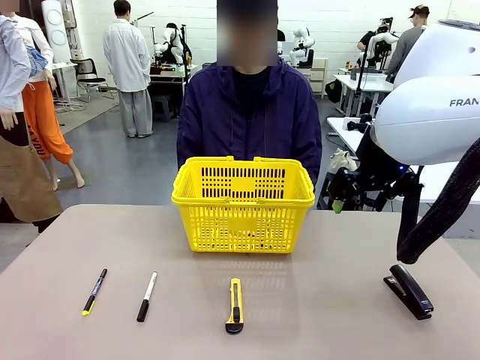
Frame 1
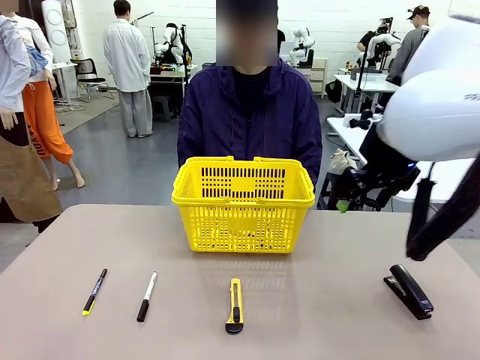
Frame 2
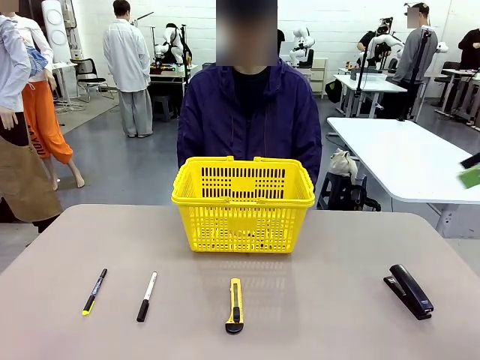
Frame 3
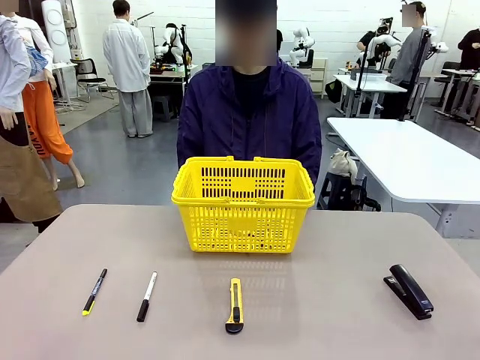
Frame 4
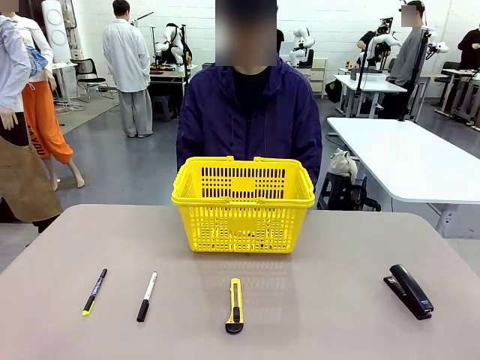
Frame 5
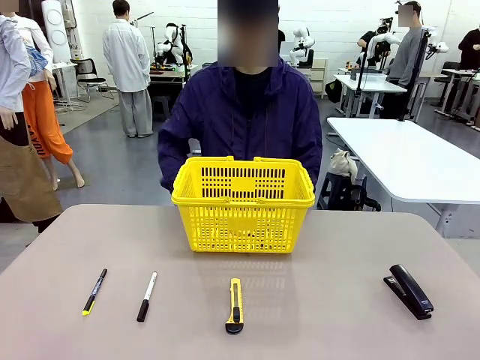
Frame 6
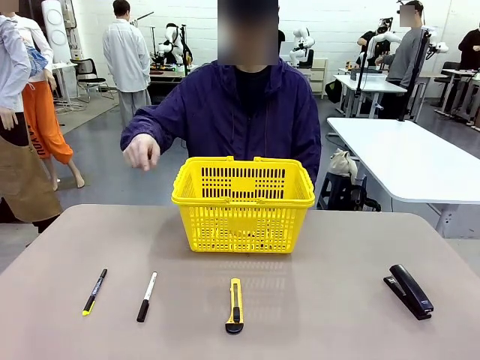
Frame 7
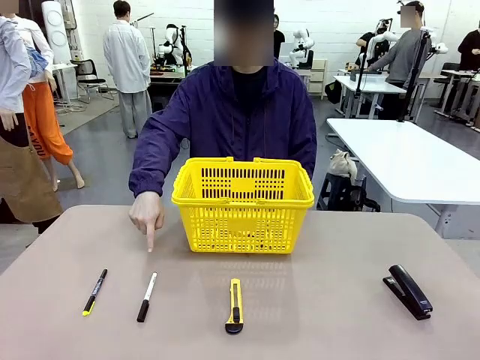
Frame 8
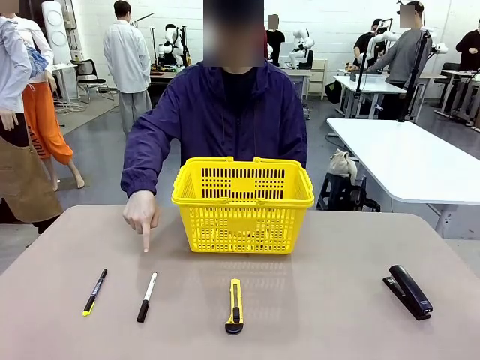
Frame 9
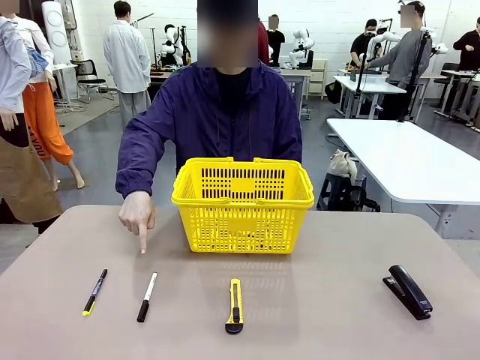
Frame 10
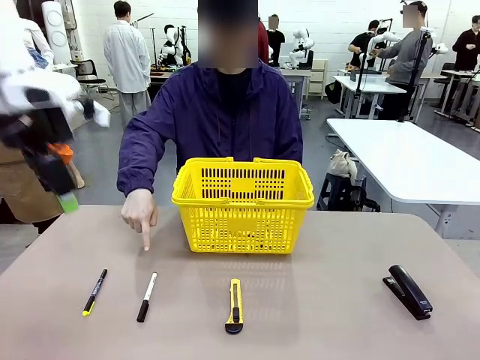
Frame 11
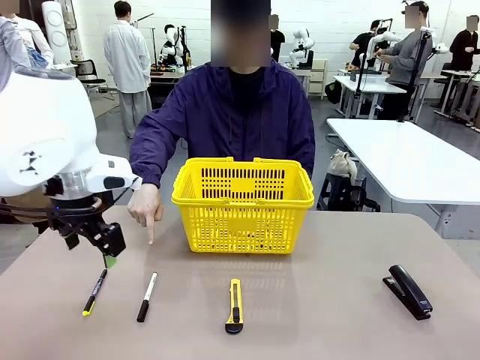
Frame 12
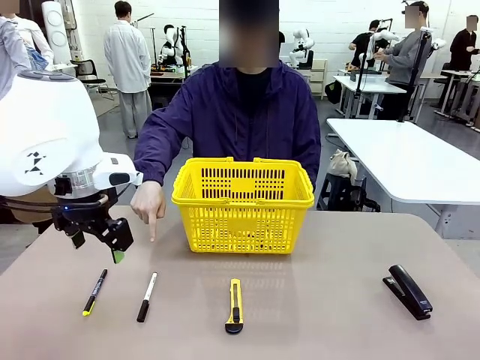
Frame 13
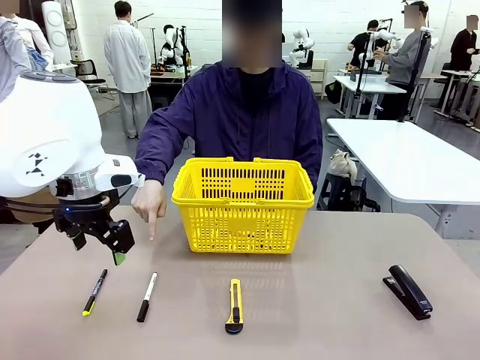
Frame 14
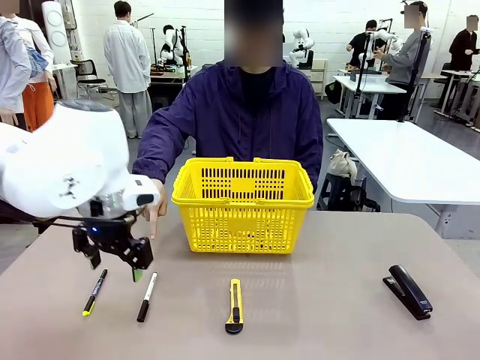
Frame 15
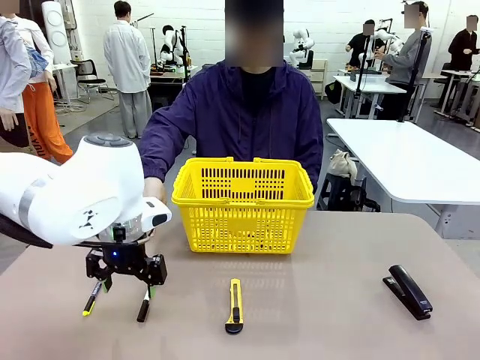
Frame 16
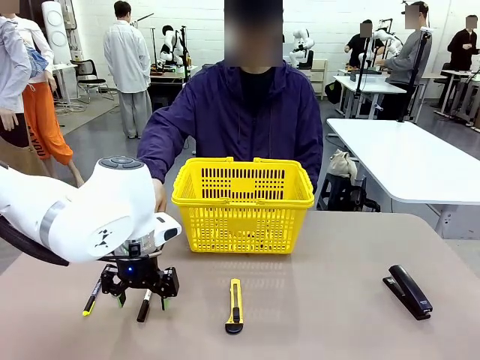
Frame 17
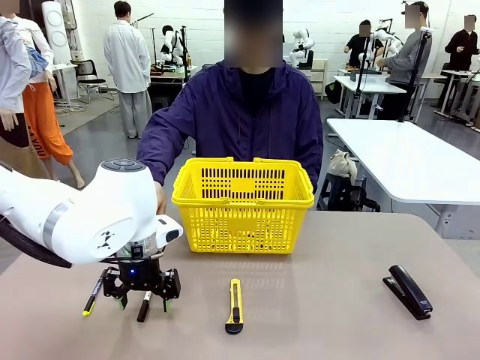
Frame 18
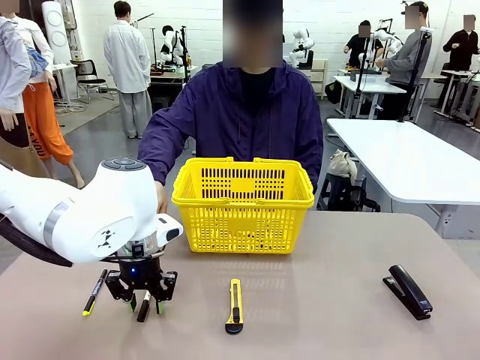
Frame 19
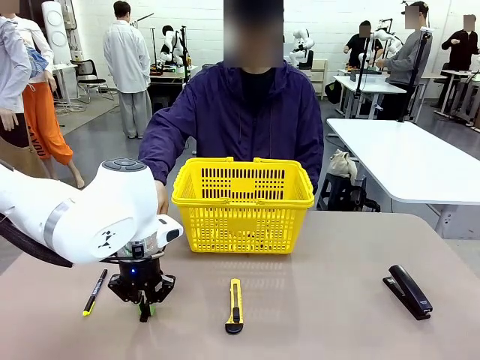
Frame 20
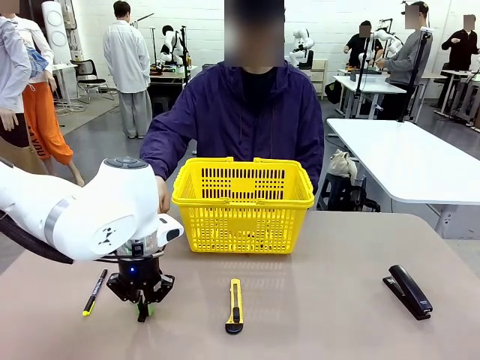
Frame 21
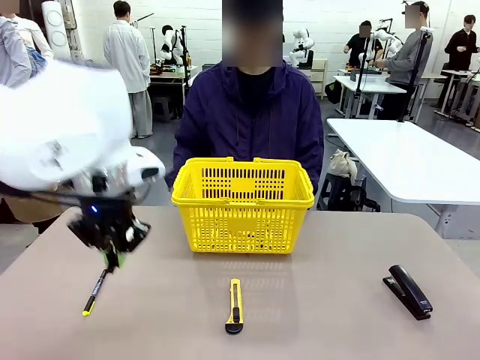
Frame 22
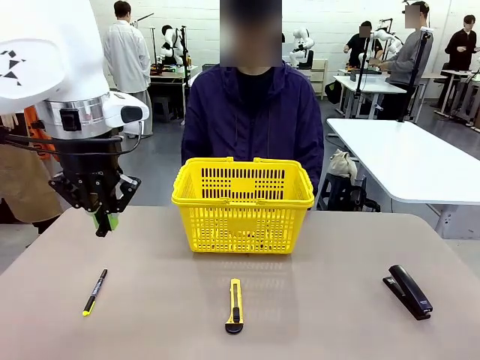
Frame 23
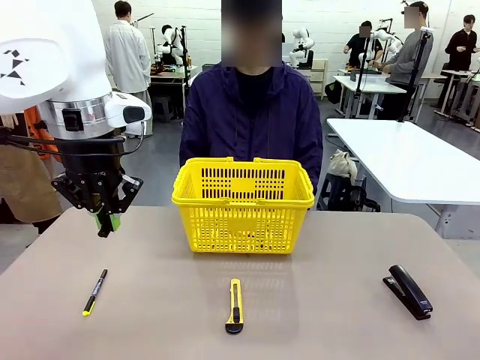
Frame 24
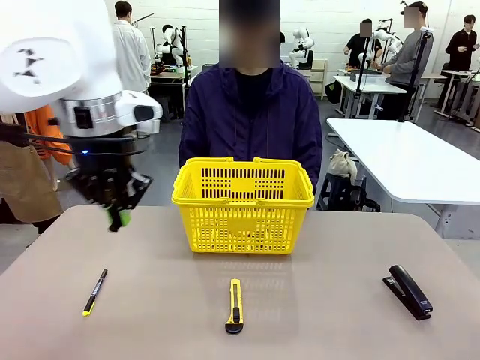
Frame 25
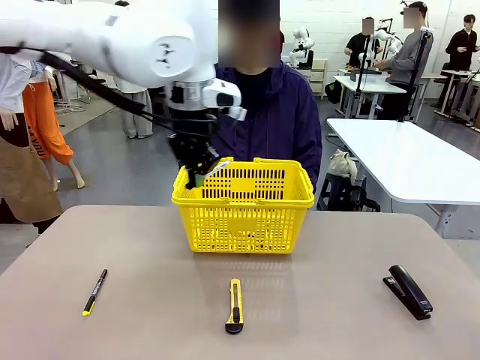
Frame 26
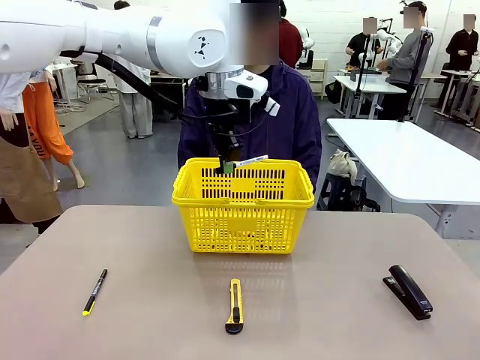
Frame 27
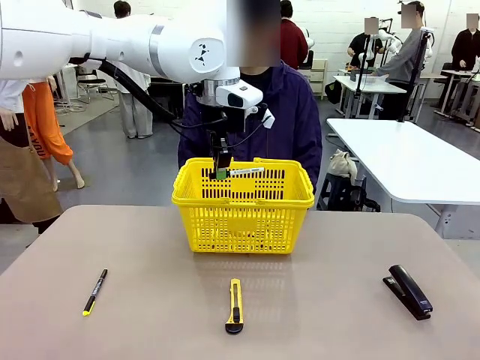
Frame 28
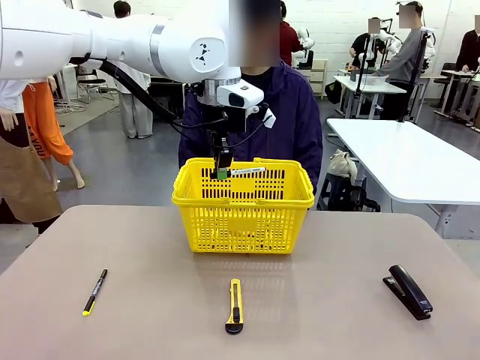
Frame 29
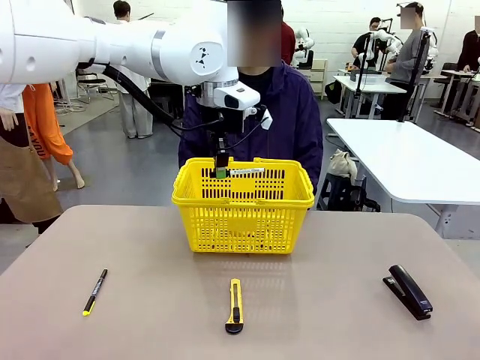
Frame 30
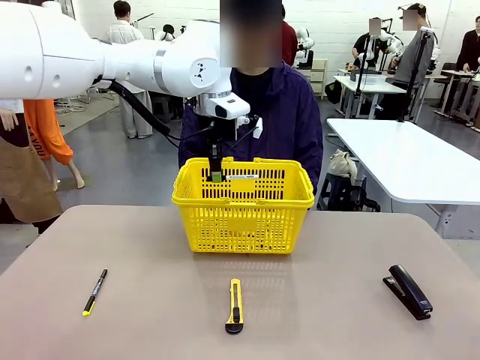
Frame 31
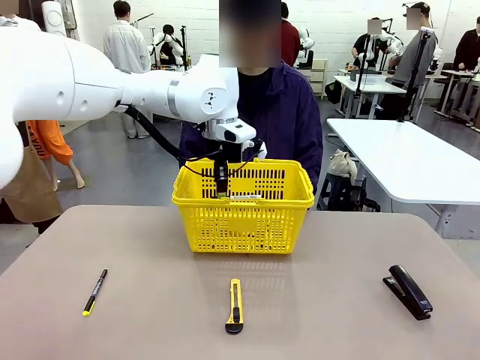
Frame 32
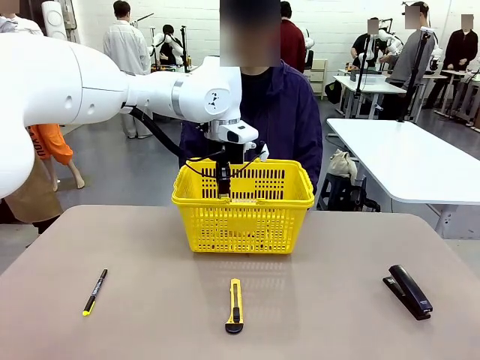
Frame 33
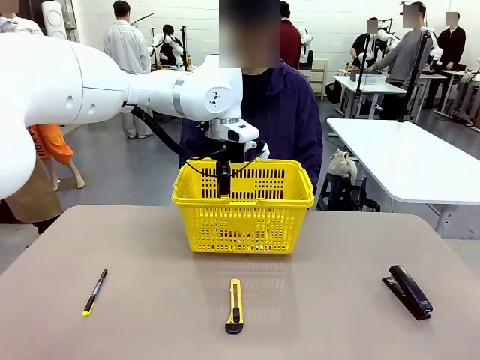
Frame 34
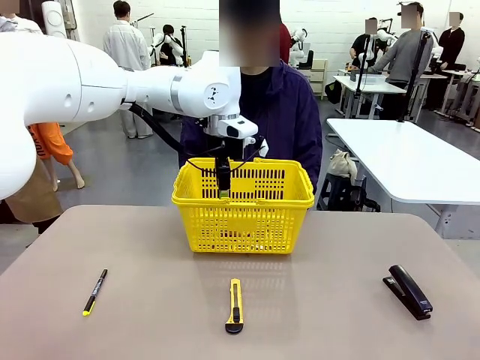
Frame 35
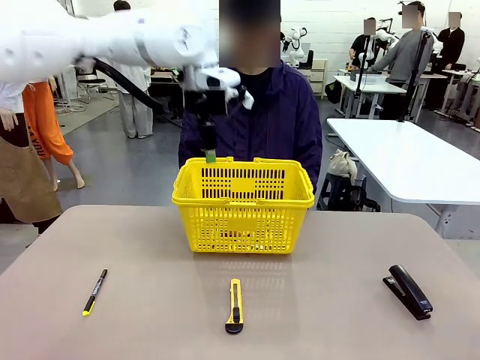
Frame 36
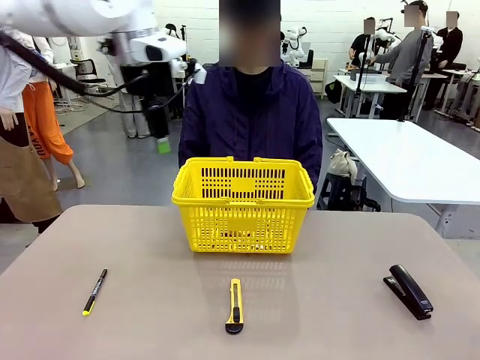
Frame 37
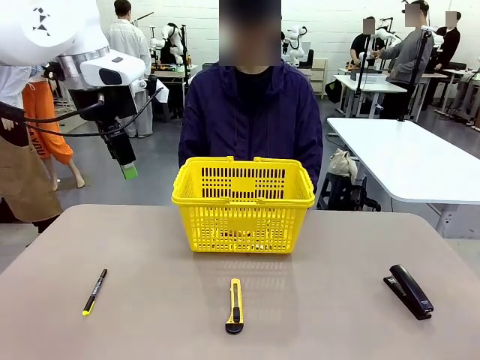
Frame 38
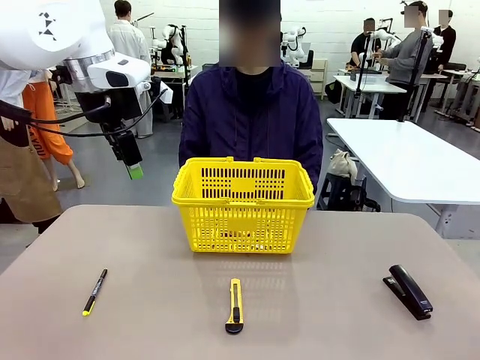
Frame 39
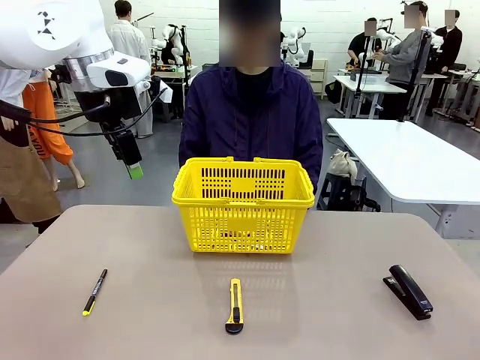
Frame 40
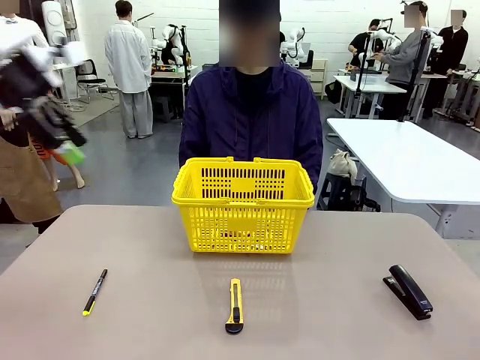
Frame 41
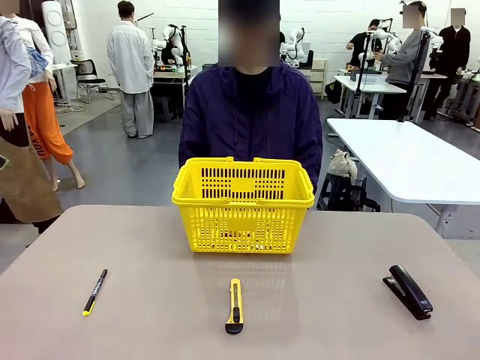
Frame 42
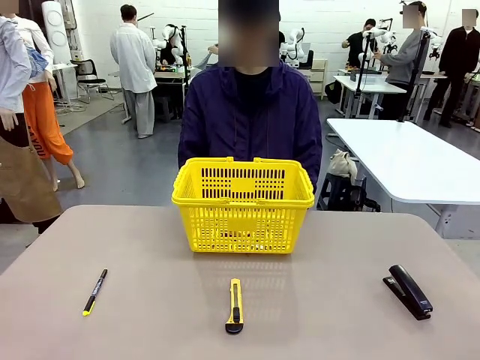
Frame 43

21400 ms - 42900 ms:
Task: Place the items the person wants into the basket.
Robot: Pick up the item the person points to and place it in the Market Basket.

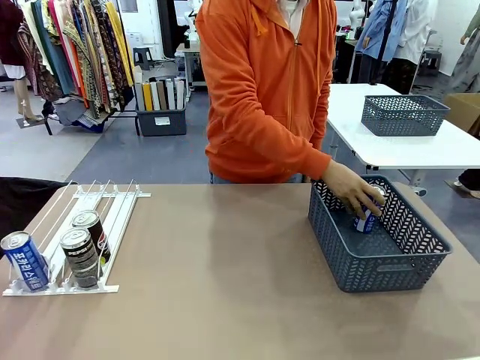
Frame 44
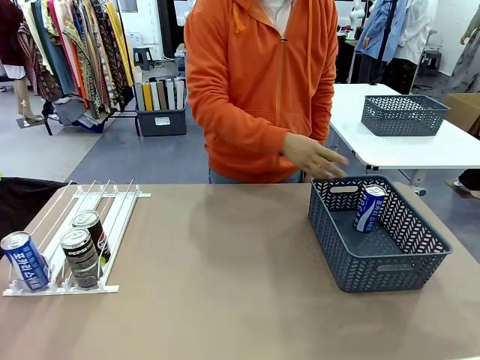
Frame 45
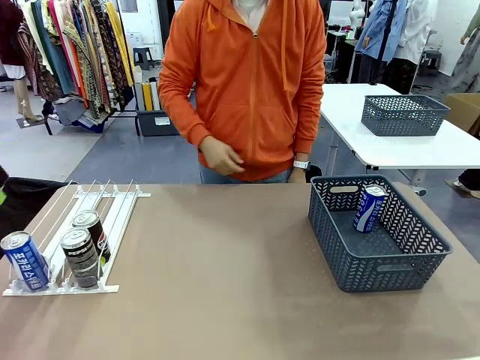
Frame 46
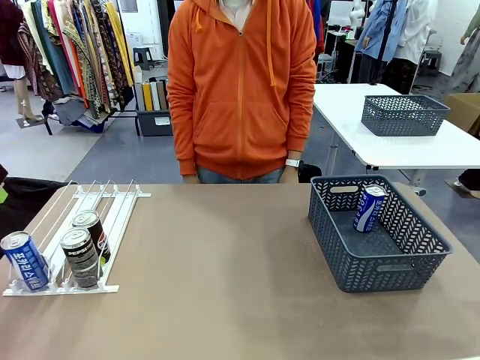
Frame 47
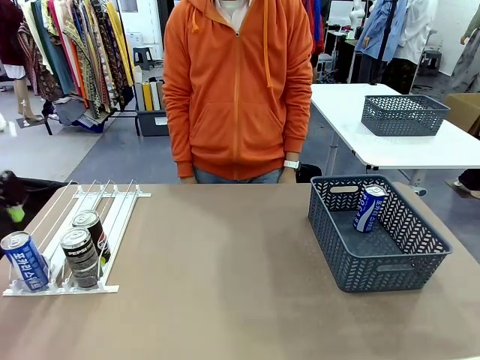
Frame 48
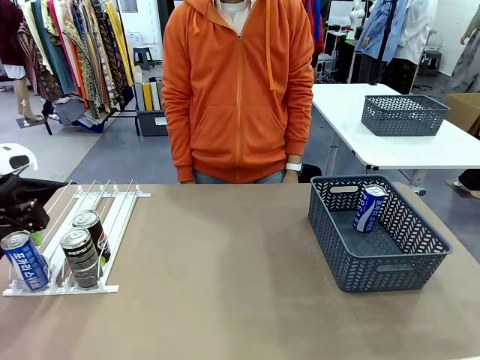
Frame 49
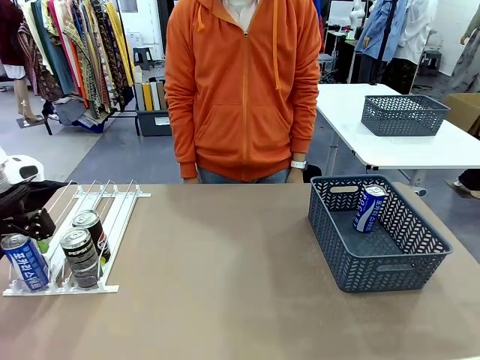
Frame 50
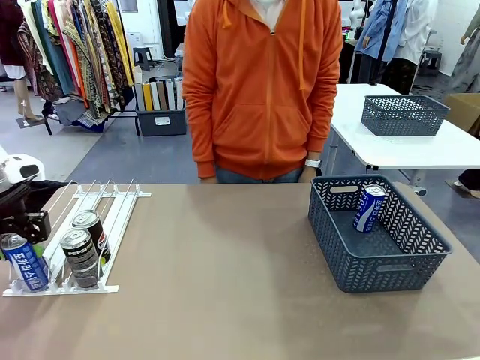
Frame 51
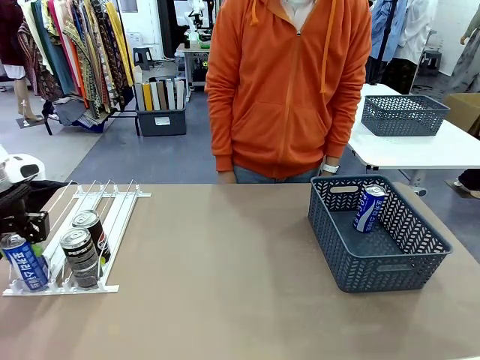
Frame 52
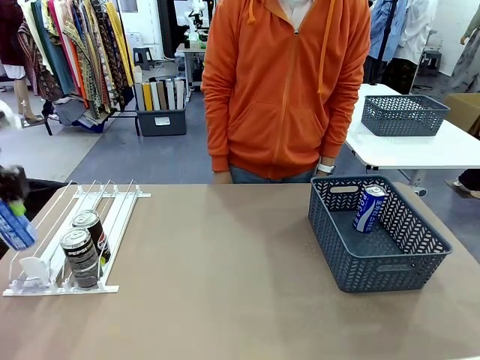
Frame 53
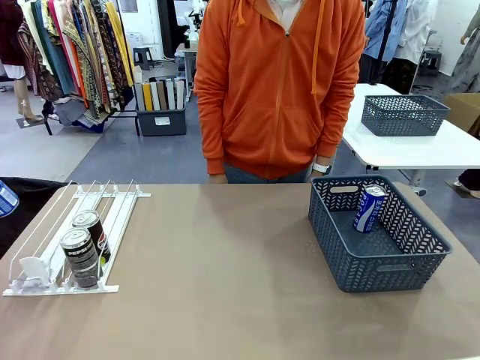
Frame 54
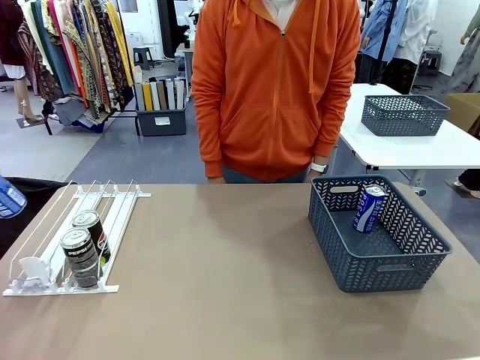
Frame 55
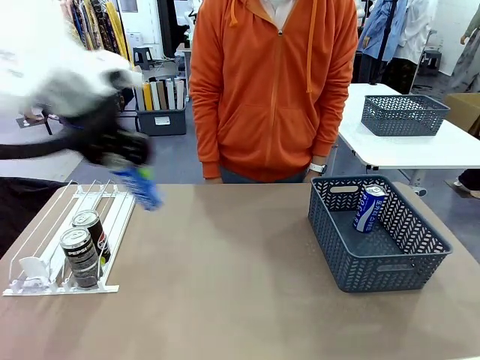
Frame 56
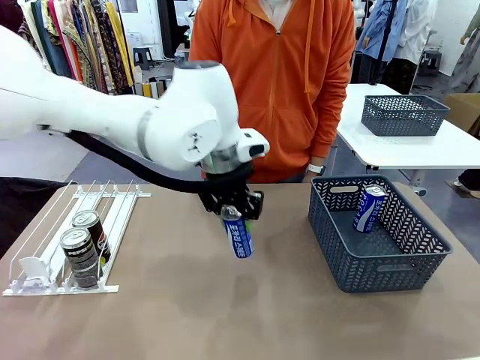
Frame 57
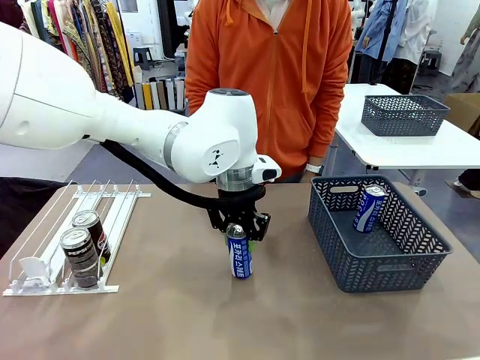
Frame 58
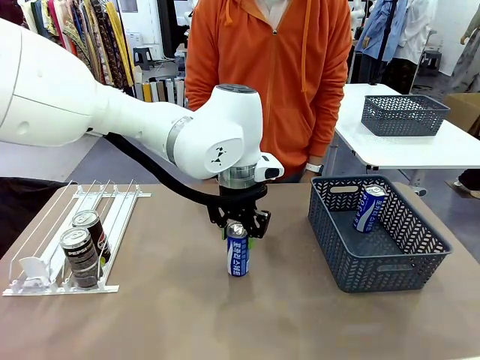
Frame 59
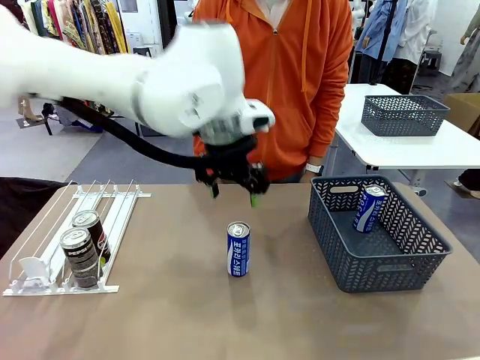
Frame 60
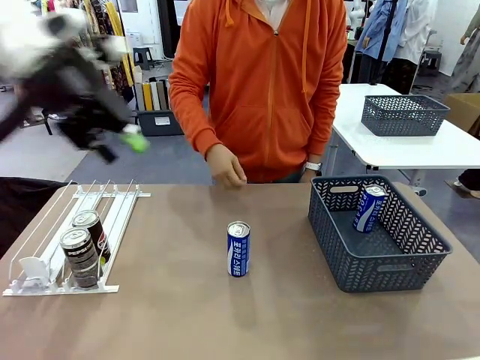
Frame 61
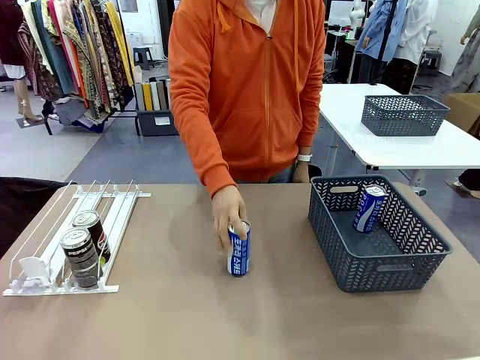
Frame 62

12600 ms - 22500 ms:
Task: Retrieve and store the cans from the dispenser.
Robot: Pick up the last remaining can from one row of the Automatic Can Dispenser and place it in the middle of the table.
Person: Pick up one Pepsi can from the middle of the robot table and place it in the basket.
